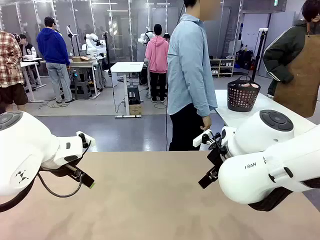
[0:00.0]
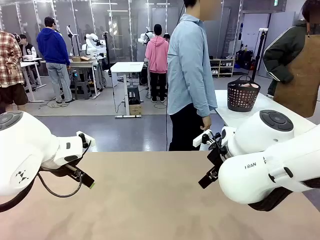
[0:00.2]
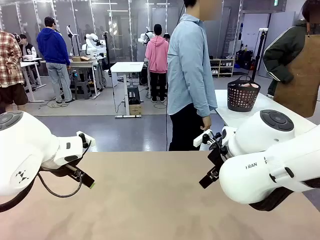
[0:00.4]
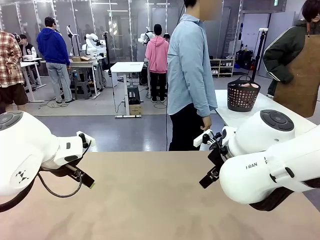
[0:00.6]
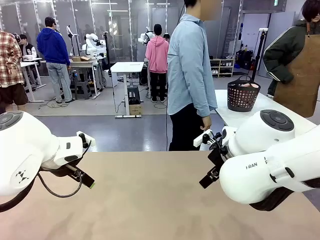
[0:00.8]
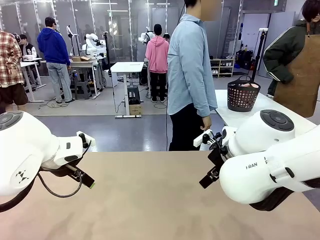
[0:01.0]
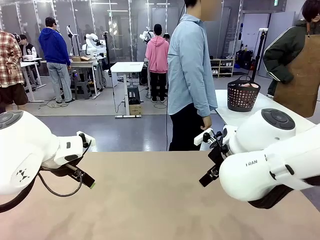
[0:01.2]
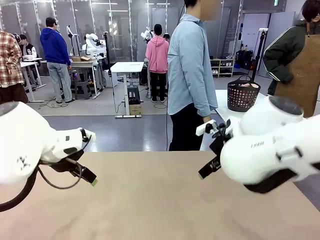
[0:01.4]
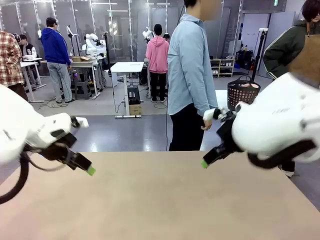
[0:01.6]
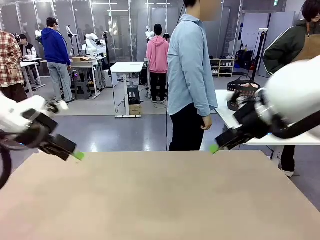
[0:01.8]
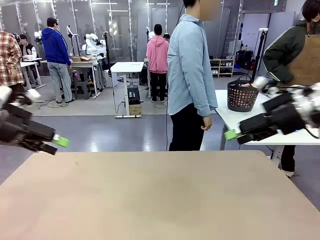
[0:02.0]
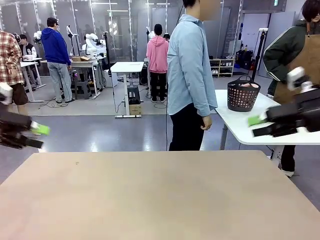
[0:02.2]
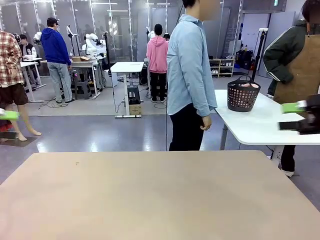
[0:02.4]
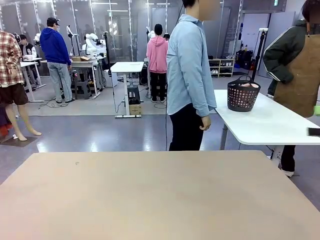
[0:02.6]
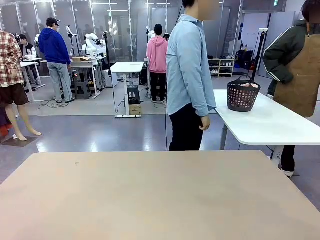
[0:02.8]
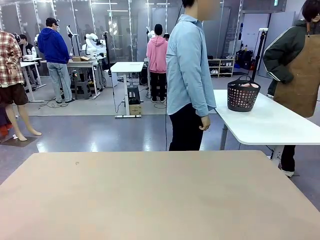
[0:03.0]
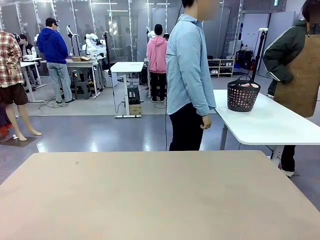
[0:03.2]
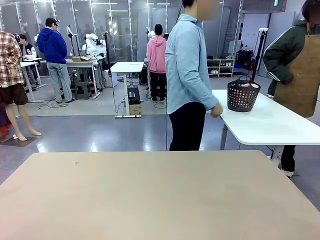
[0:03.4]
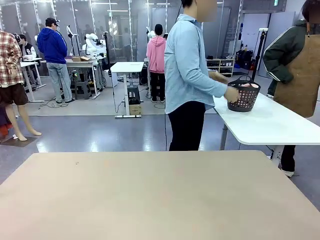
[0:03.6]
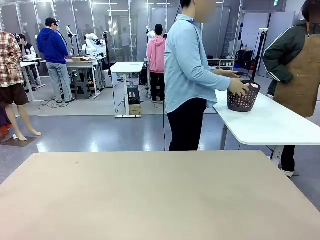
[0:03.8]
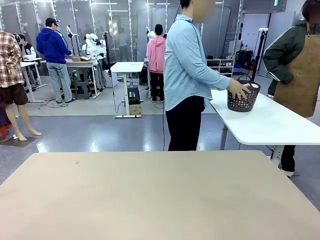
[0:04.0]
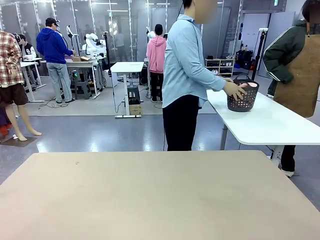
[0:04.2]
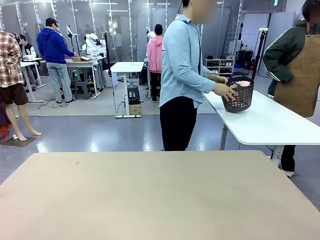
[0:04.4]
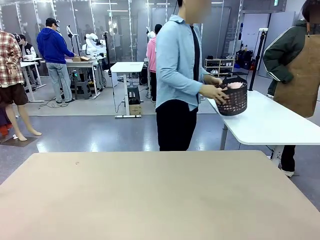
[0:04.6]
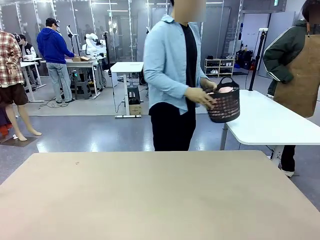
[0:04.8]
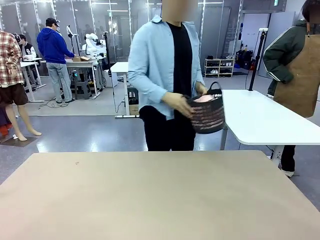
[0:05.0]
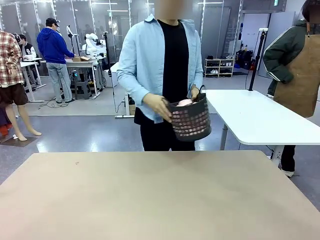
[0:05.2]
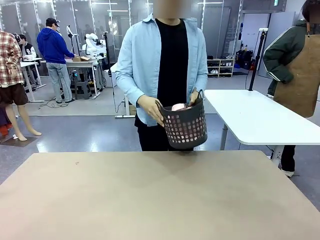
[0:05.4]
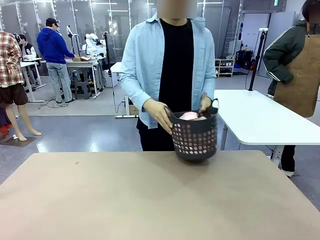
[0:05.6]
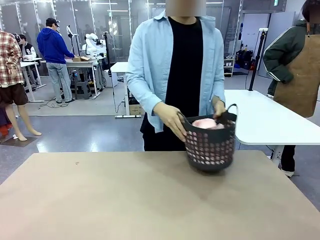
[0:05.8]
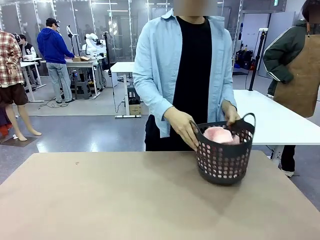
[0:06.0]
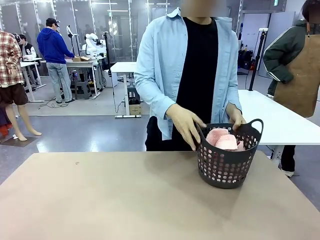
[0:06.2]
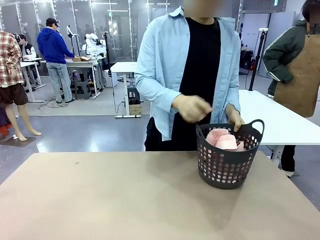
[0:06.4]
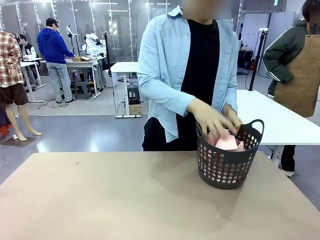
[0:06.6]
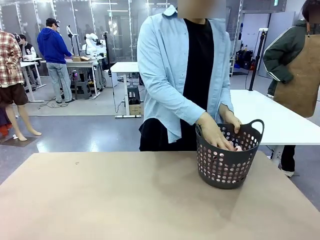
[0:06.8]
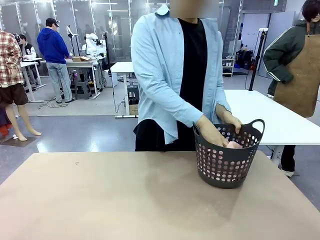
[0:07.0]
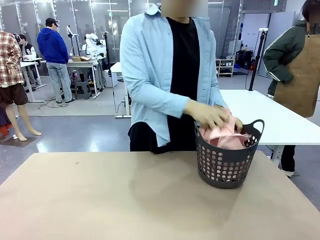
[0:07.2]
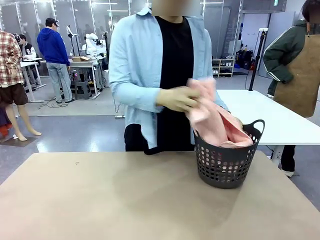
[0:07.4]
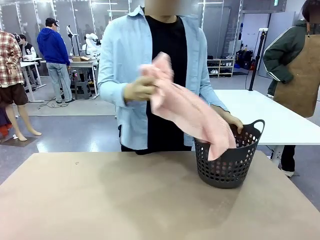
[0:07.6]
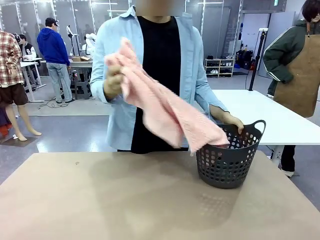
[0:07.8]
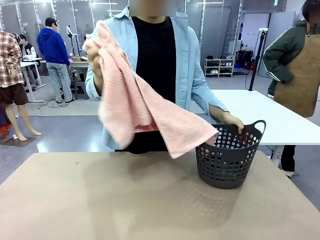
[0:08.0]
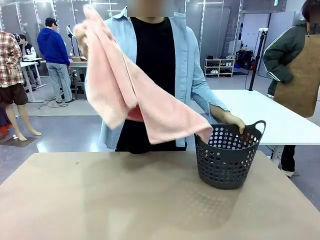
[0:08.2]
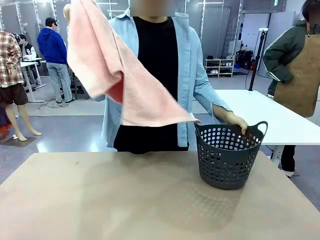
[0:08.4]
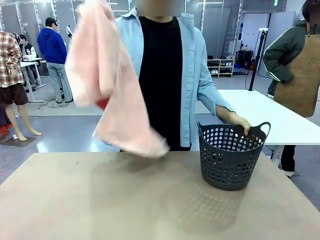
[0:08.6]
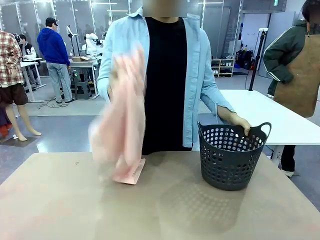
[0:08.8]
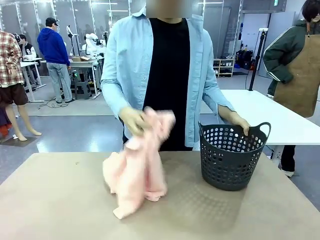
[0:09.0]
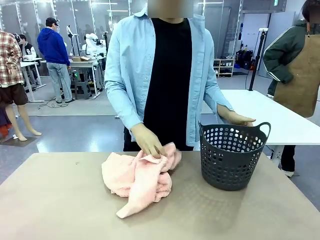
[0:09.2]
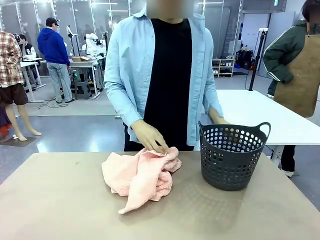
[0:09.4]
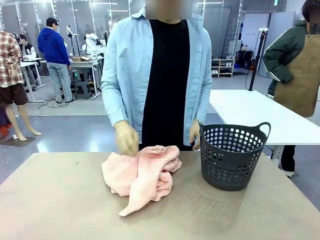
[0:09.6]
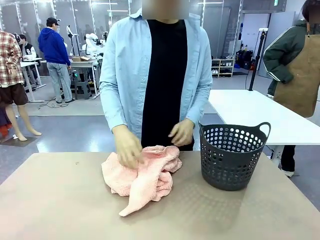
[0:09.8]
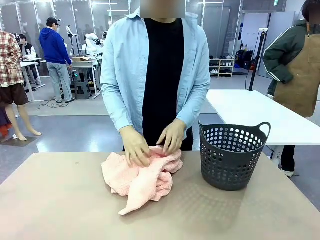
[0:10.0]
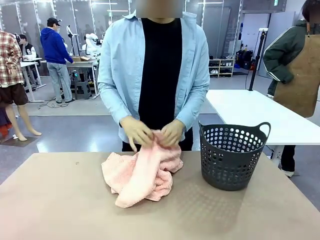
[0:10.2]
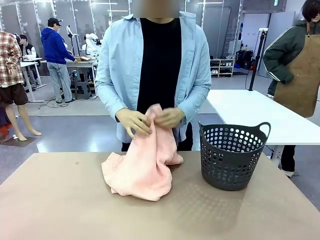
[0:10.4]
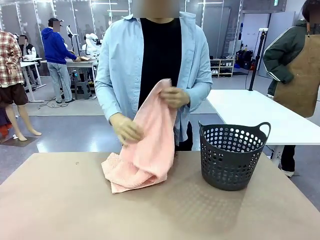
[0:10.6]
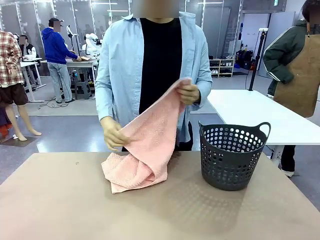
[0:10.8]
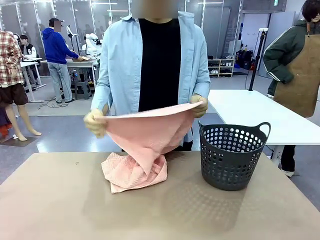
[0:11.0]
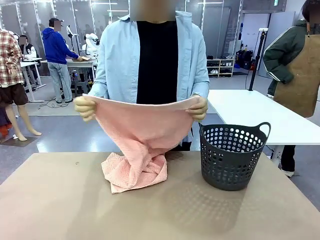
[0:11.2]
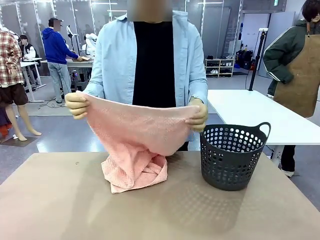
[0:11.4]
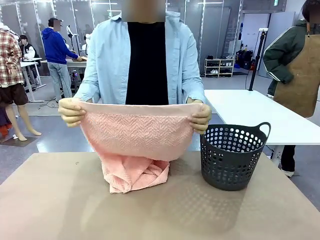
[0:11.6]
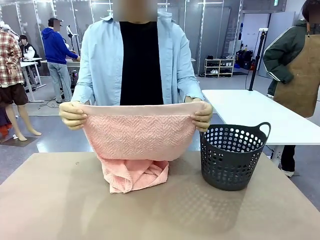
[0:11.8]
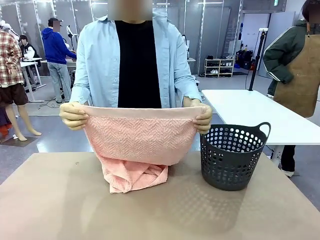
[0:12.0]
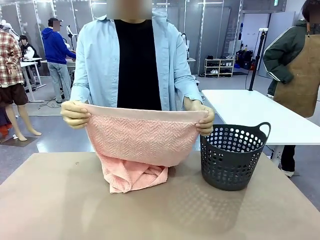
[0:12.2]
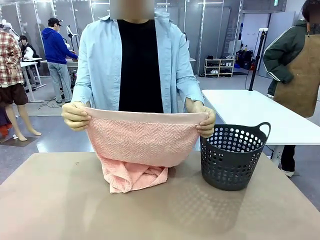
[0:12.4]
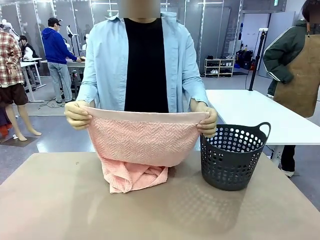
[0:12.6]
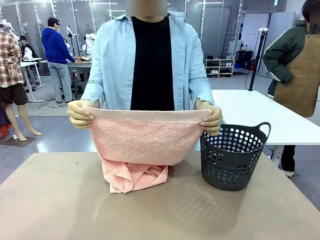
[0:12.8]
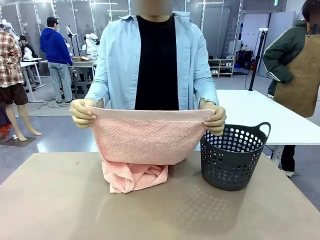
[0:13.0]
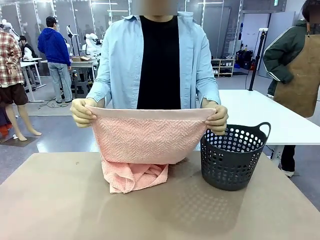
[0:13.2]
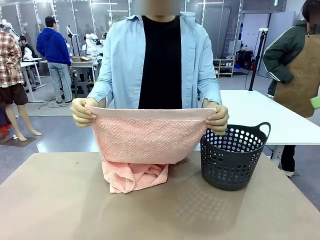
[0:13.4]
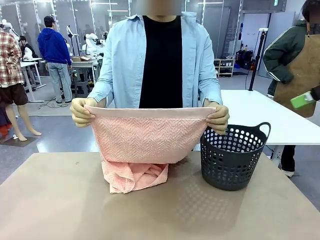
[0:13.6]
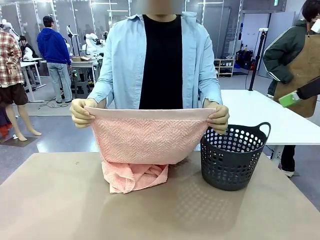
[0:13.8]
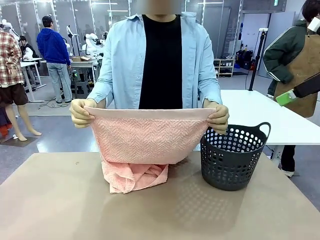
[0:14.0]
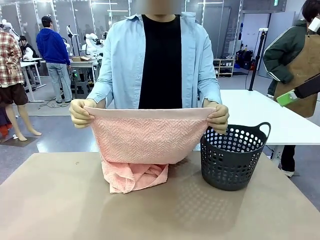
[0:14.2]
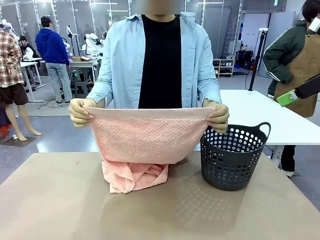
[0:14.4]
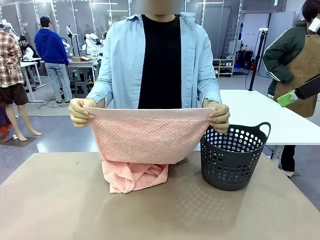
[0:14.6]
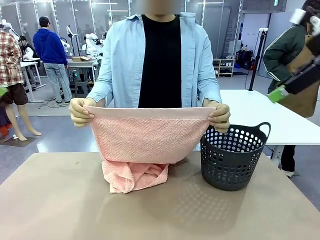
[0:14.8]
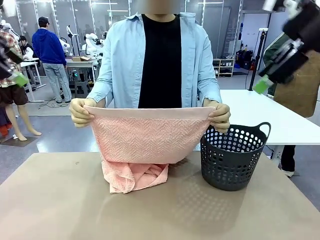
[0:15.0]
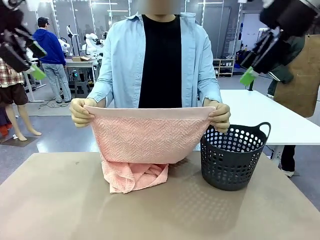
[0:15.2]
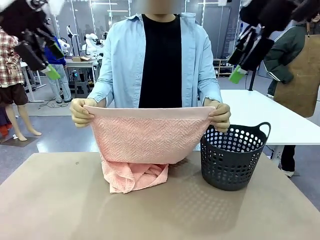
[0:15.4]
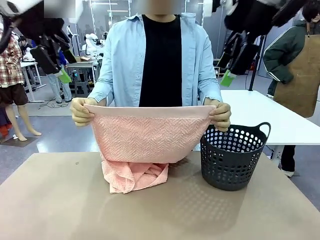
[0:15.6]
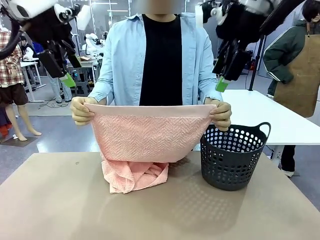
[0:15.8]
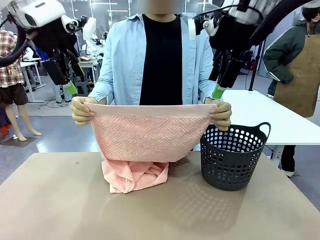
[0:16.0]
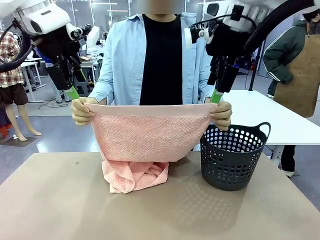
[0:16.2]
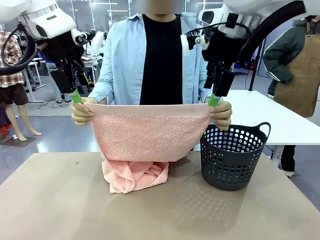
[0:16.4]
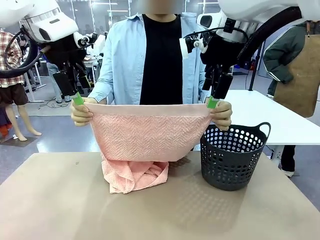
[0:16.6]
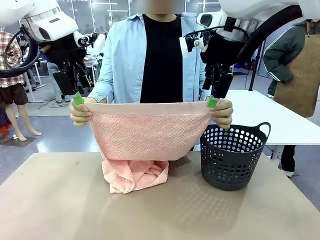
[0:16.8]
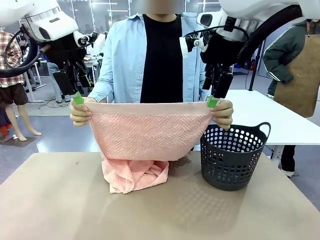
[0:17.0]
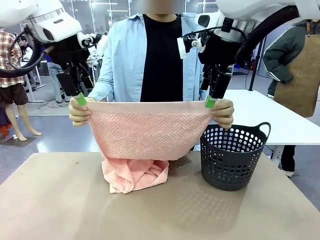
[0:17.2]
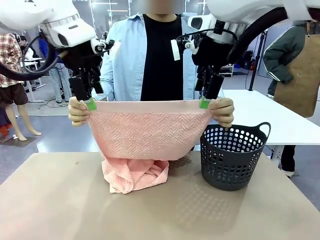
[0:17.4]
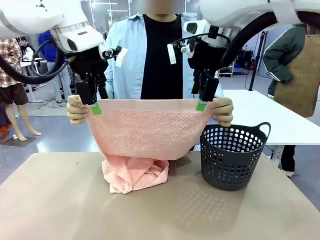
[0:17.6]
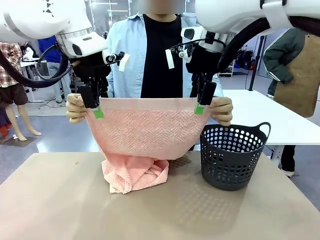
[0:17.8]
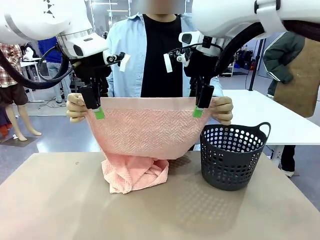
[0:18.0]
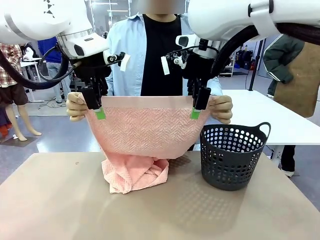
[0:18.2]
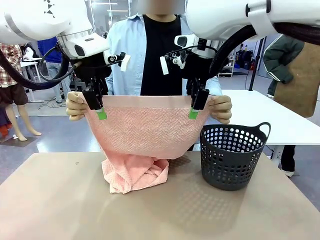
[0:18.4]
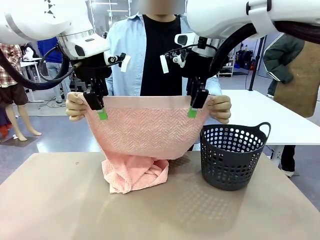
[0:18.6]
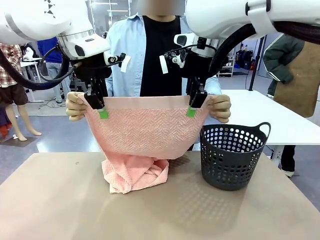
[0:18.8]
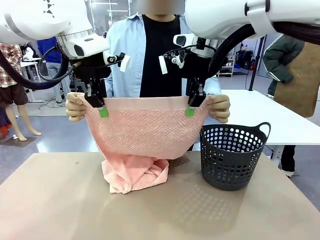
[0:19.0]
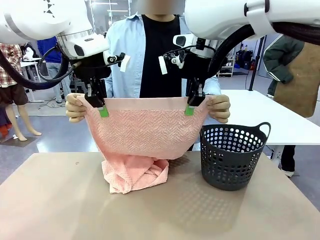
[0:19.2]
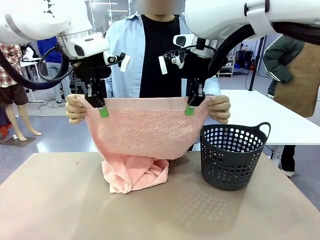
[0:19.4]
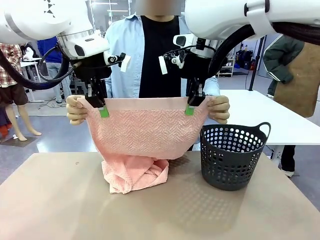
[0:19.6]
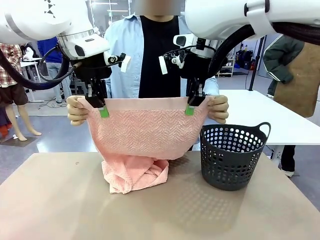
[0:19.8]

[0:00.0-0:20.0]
Task: Fold the towel.
Robot: Grab the top end of the 100 cm Hotel Towel extended by the human.
Person: Pick up the laundry basket, place it on the left side of the robot table, then take out a towel and hand it to the robot while holding both corners of one end.
